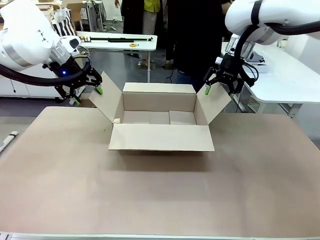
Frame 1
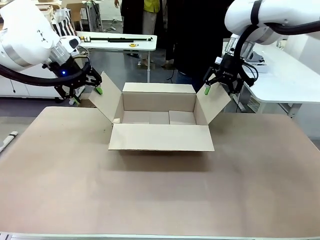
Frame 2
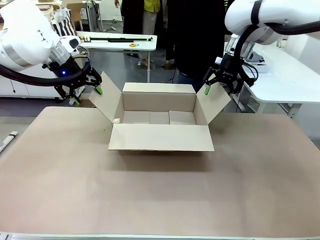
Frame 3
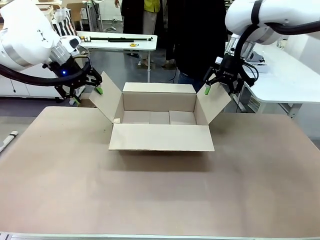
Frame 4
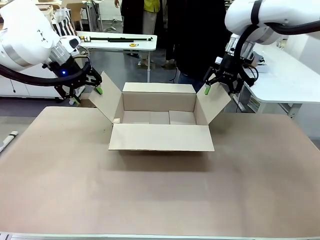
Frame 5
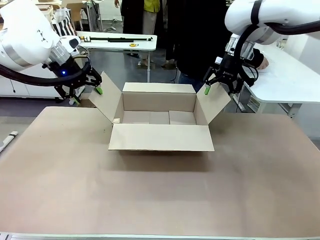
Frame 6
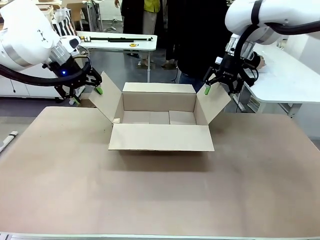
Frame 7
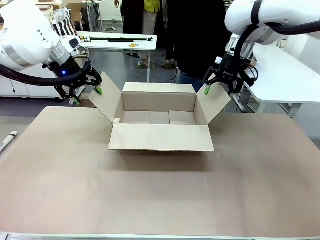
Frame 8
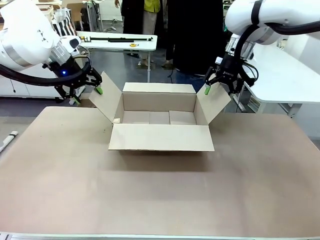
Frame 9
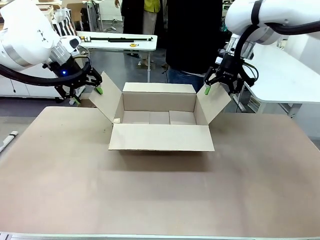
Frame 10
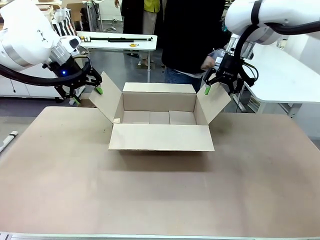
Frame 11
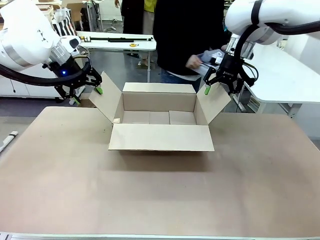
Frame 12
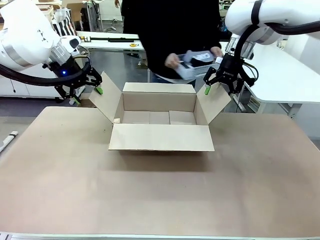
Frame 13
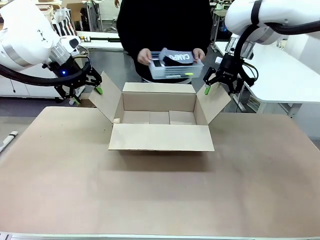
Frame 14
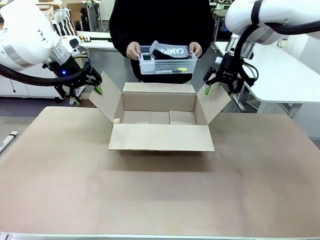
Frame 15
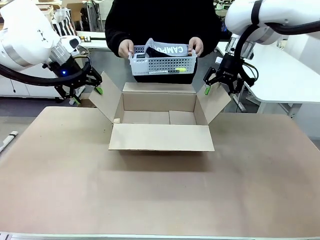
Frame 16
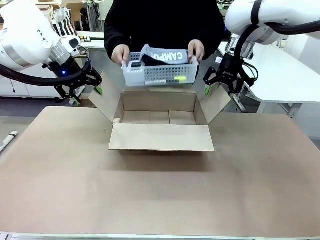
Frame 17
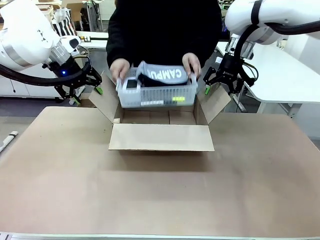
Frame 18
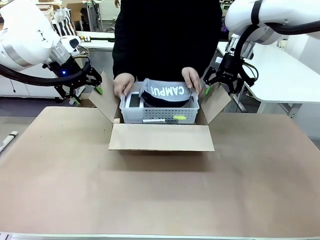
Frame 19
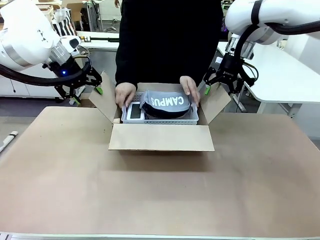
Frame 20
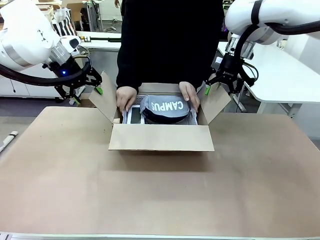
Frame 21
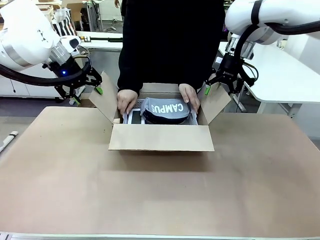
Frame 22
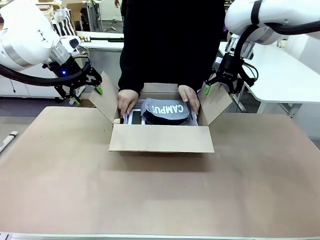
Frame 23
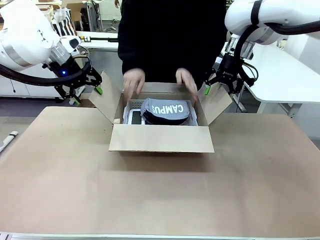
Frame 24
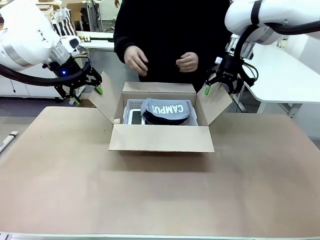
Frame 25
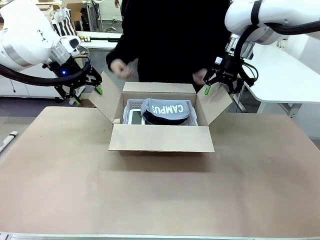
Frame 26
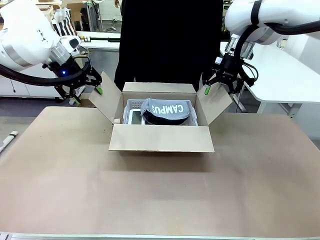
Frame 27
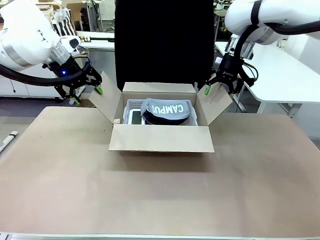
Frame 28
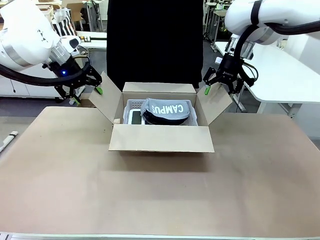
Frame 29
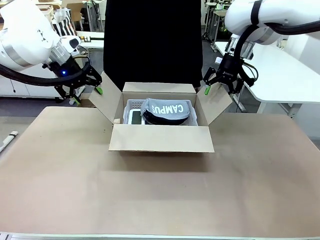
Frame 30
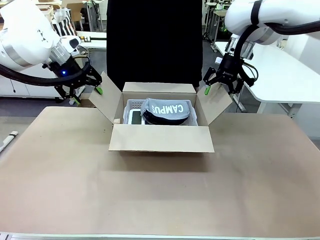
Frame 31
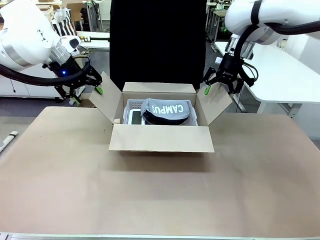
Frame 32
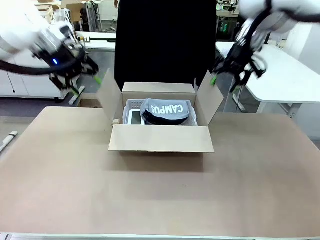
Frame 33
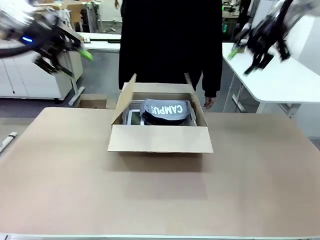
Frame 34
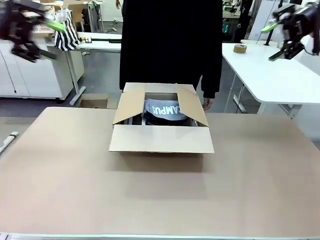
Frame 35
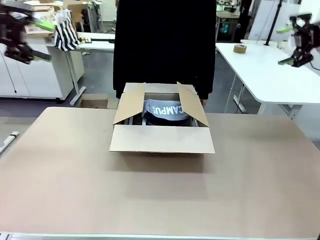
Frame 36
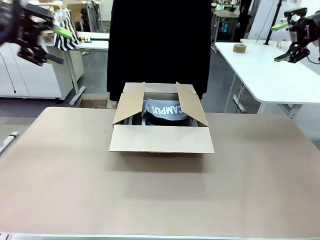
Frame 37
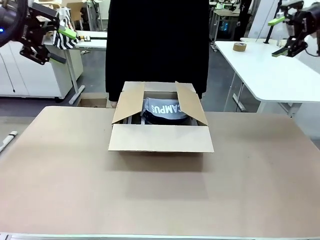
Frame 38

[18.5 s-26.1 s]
Task: Pack the gift set into the box.
Robot: Lift both hands away from the flaps of the Package Box.
Person: The human picks up the organizing basket and places the organizing basket into the package box on the robot table.

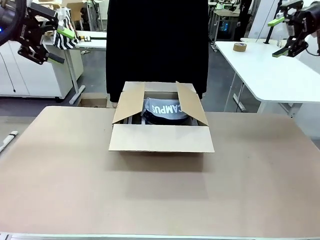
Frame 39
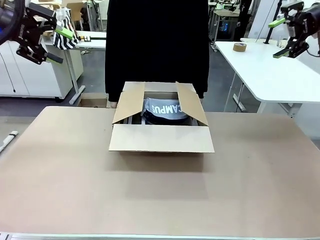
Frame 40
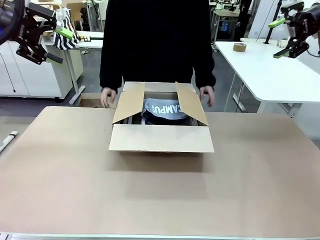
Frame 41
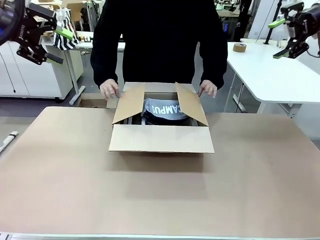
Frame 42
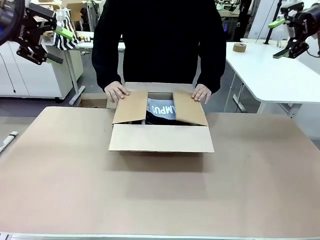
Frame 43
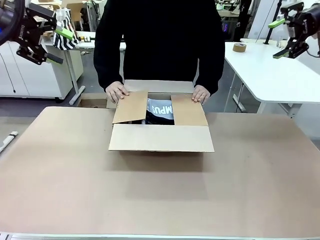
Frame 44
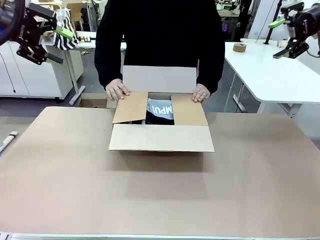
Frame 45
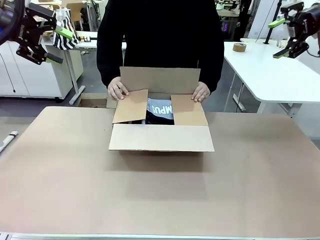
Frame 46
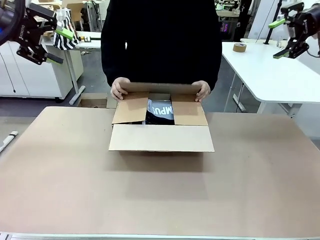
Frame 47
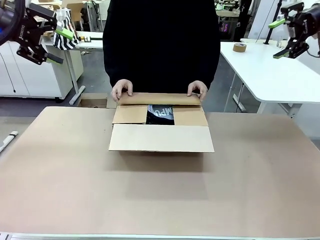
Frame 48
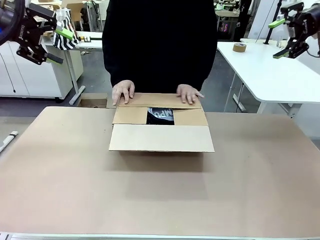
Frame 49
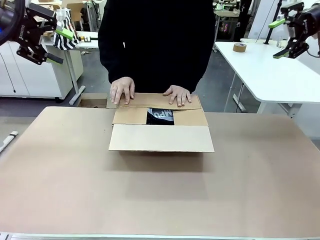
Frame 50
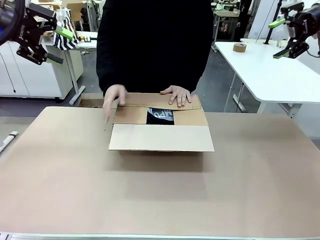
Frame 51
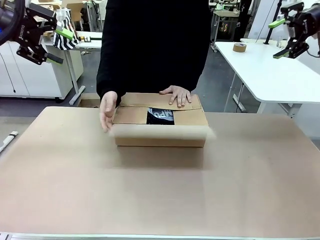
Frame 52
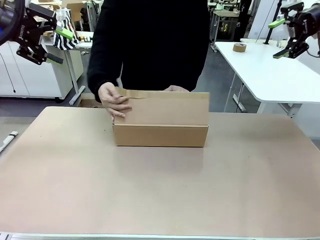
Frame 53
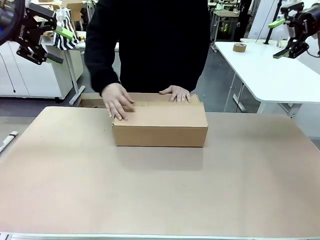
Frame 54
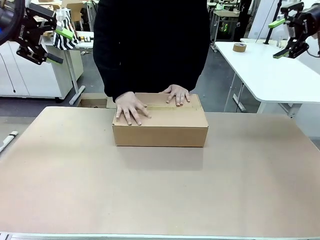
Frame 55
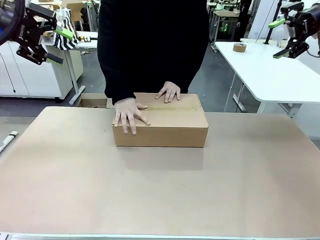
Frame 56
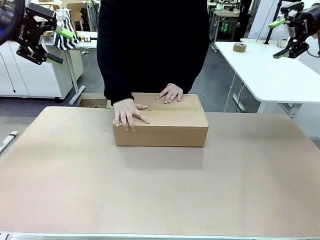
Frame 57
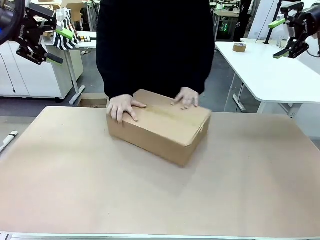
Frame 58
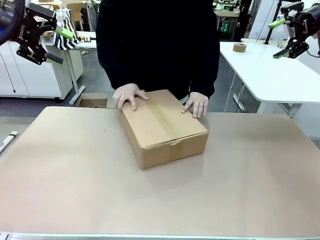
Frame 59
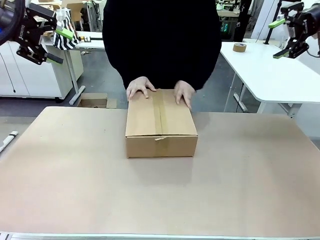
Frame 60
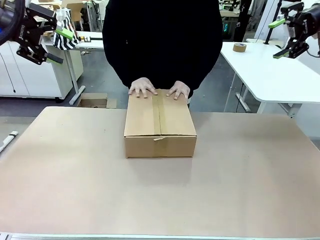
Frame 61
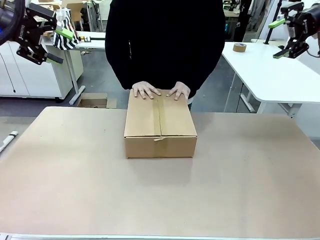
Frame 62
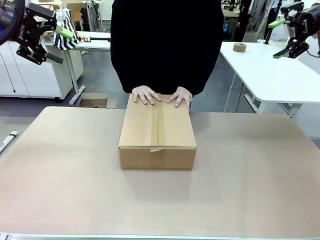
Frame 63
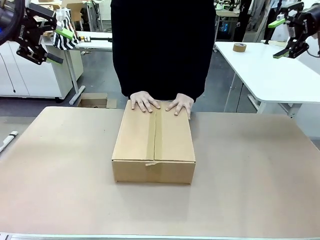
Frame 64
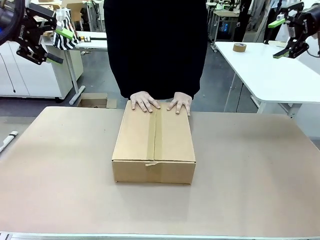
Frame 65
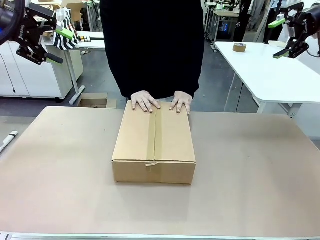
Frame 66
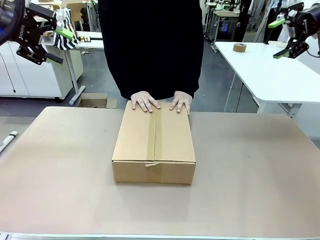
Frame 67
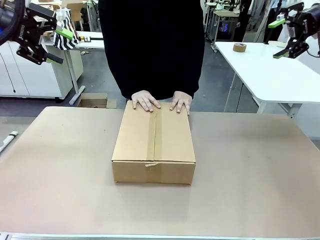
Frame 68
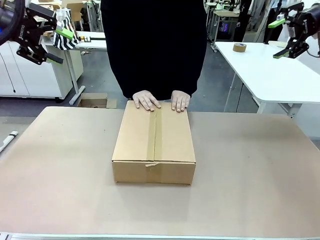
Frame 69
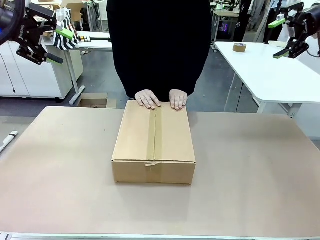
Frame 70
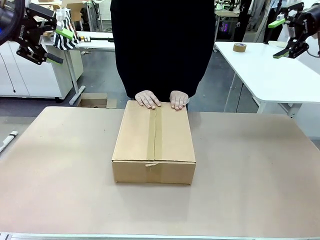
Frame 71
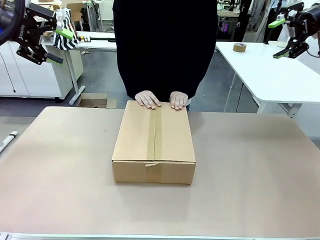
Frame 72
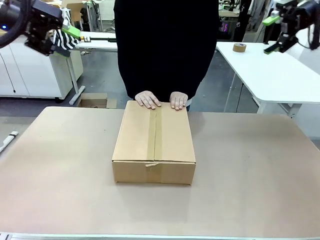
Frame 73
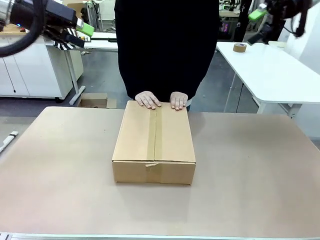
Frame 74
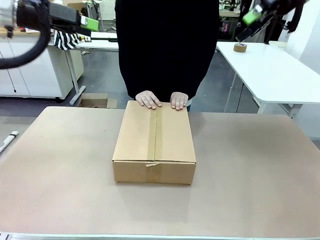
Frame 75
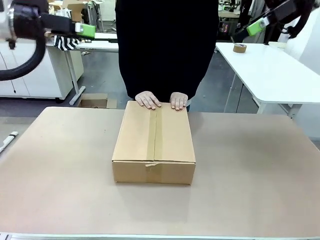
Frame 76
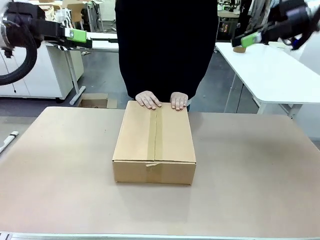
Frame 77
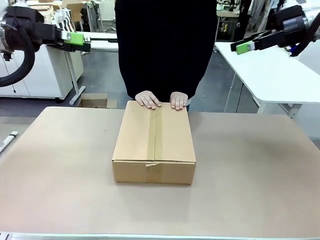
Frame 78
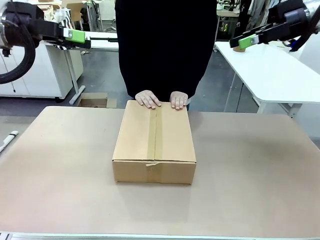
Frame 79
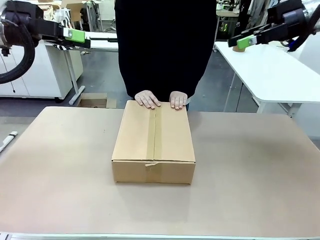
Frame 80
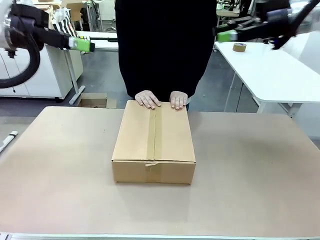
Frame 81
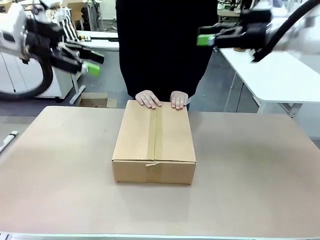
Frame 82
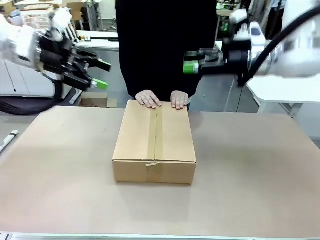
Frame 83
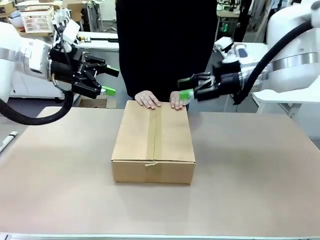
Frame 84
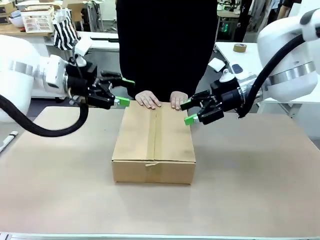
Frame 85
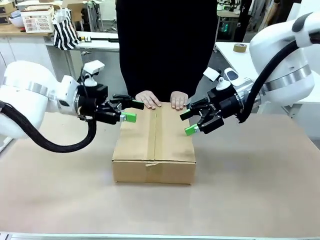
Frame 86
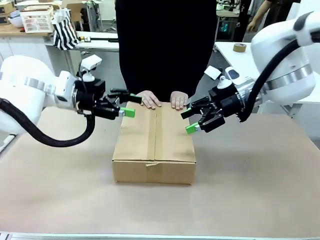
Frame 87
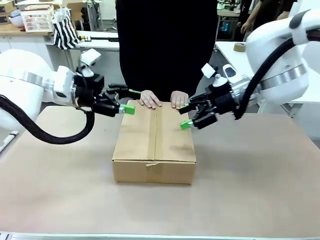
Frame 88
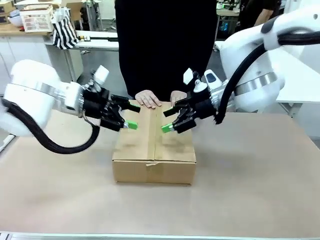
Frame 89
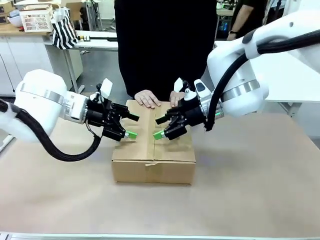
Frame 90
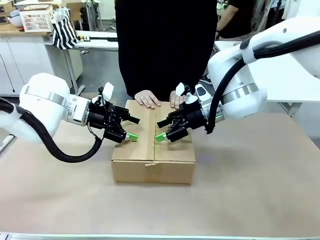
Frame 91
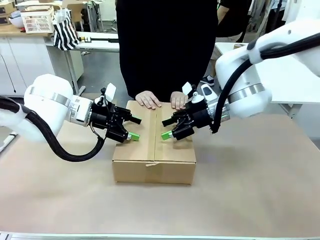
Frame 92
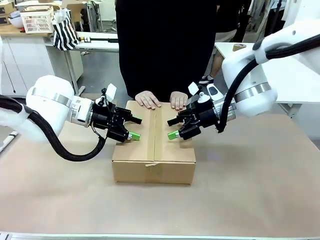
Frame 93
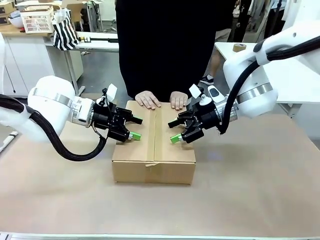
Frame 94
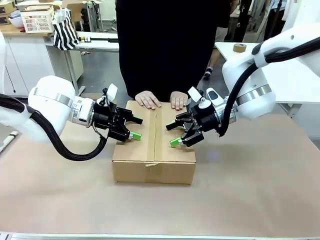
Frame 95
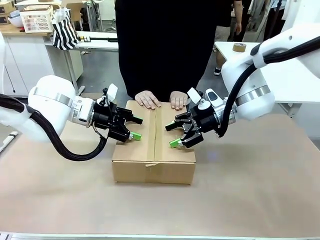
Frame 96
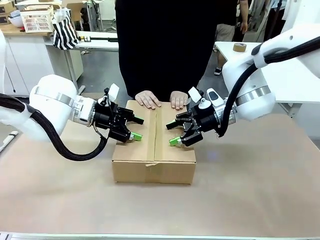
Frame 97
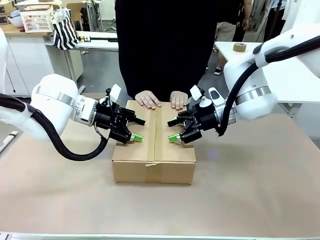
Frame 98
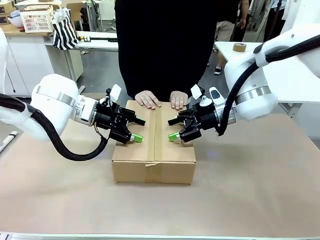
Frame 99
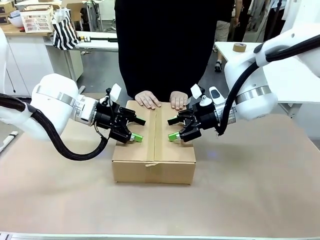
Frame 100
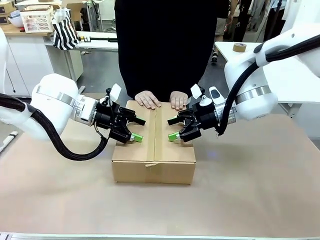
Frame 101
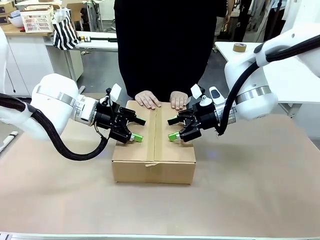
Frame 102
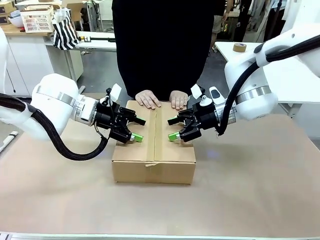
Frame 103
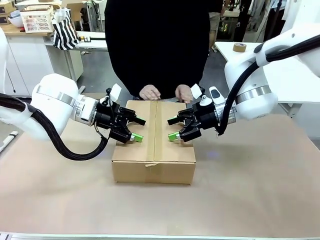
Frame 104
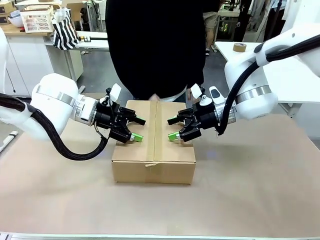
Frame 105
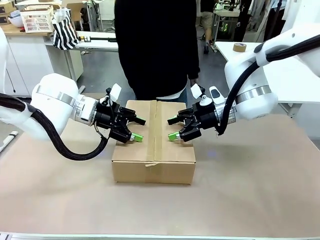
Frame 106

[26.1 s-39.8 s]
Robot: Press and hold the closed box until the human finishes sealing it.
Person: The human closes the box and rotates the box by 90 degrees.
